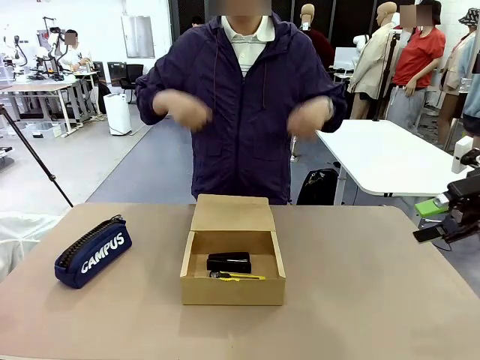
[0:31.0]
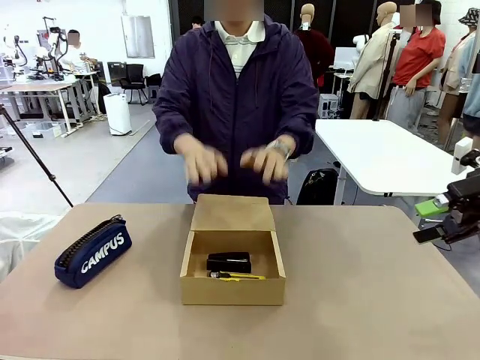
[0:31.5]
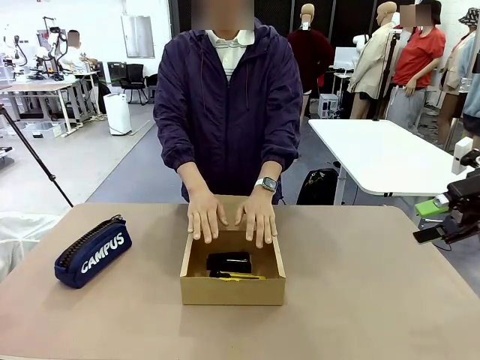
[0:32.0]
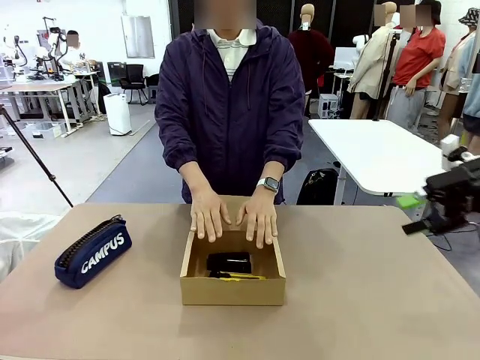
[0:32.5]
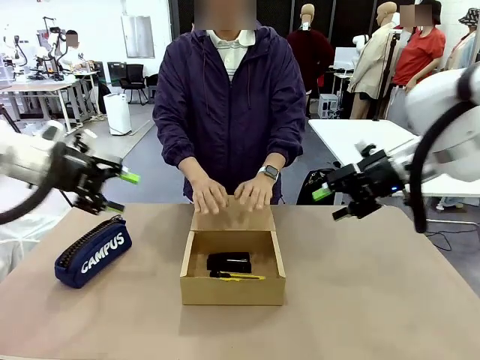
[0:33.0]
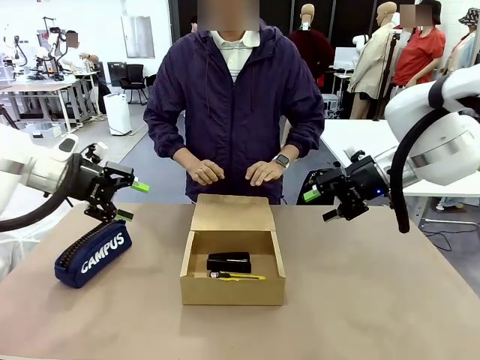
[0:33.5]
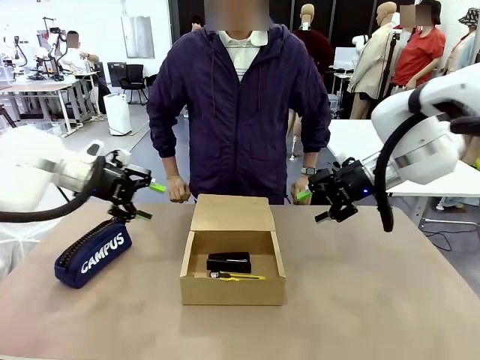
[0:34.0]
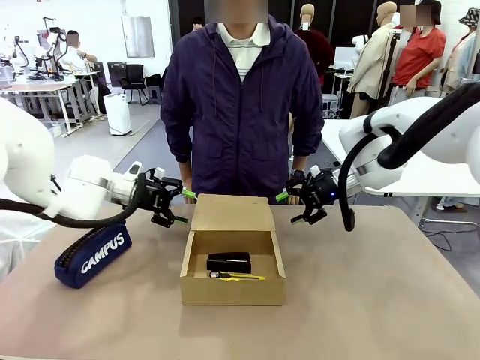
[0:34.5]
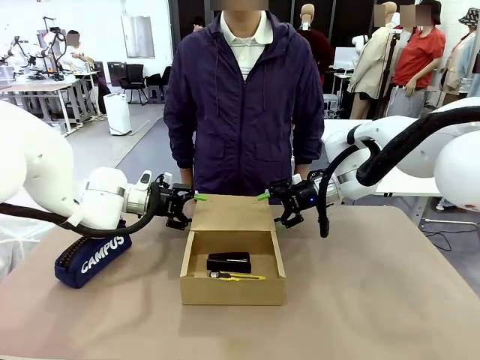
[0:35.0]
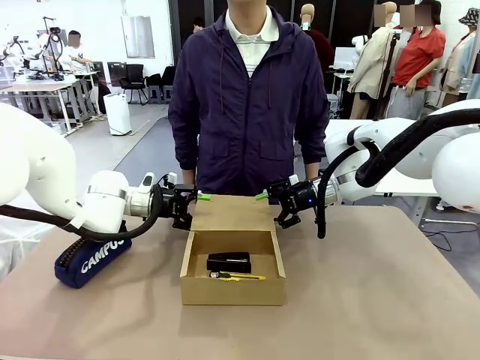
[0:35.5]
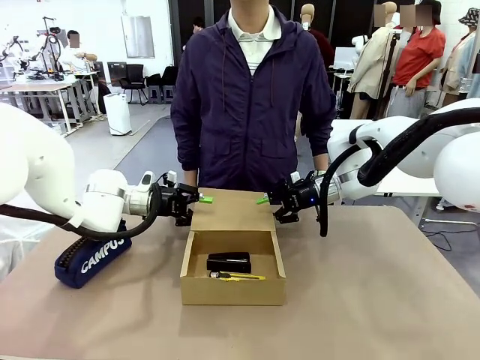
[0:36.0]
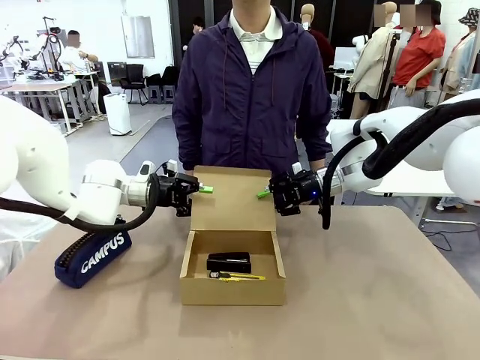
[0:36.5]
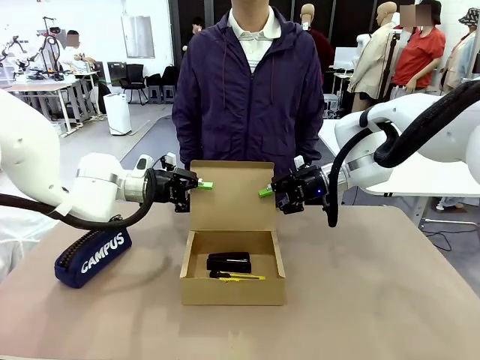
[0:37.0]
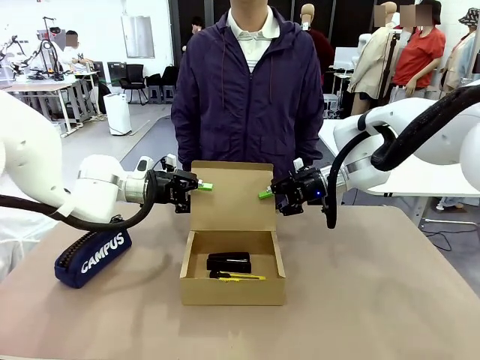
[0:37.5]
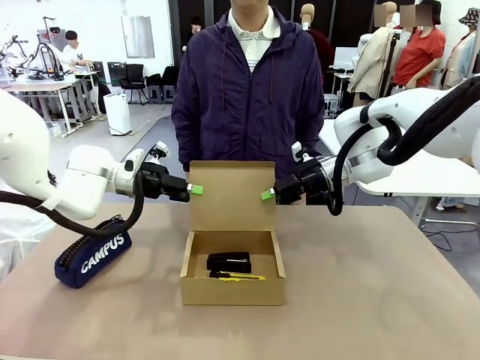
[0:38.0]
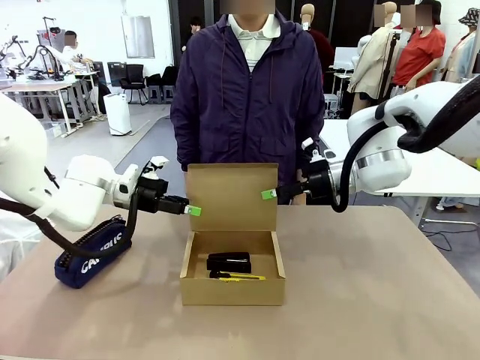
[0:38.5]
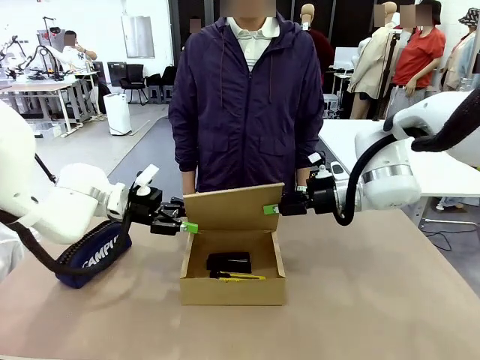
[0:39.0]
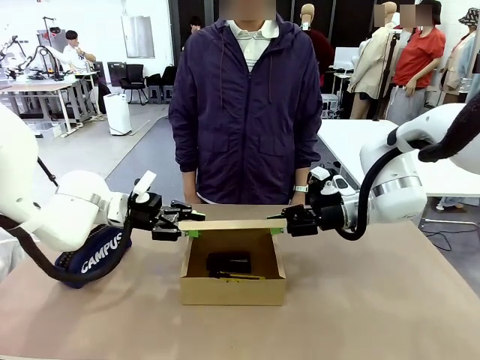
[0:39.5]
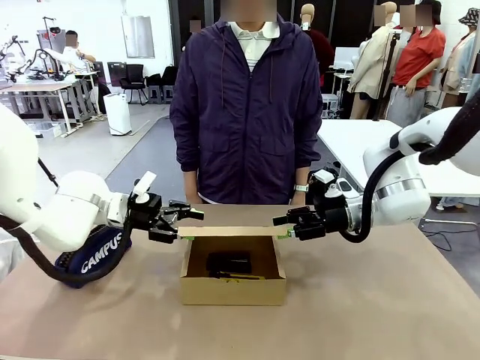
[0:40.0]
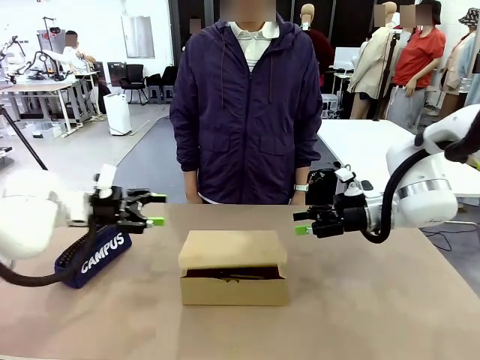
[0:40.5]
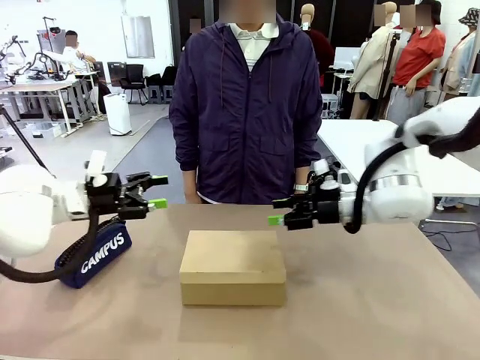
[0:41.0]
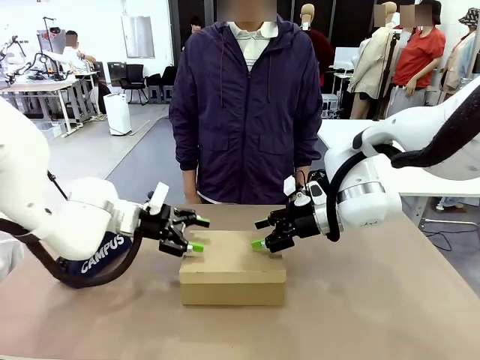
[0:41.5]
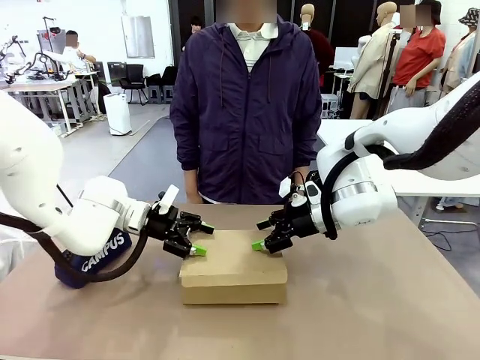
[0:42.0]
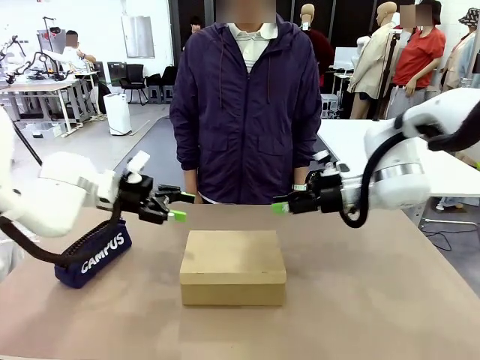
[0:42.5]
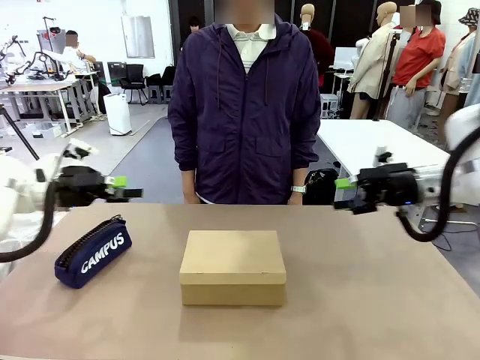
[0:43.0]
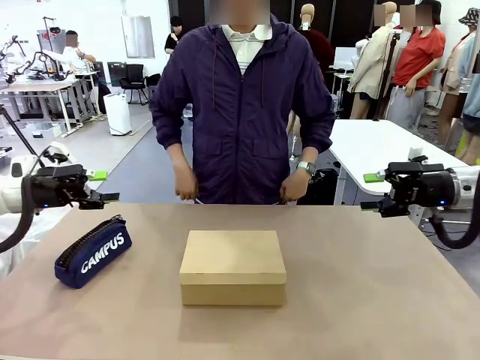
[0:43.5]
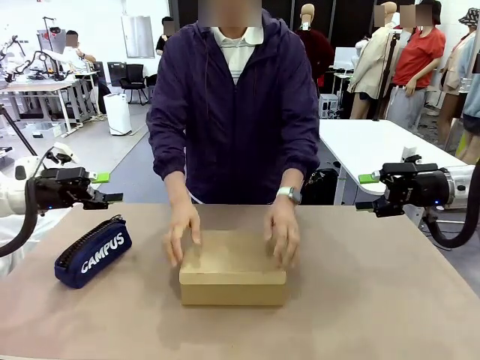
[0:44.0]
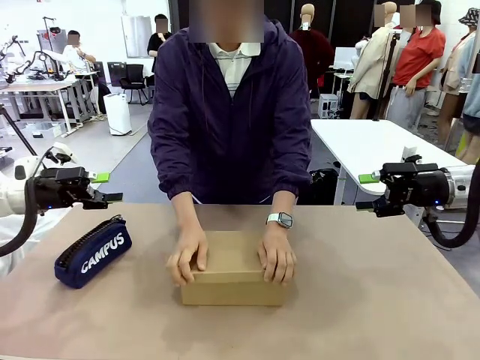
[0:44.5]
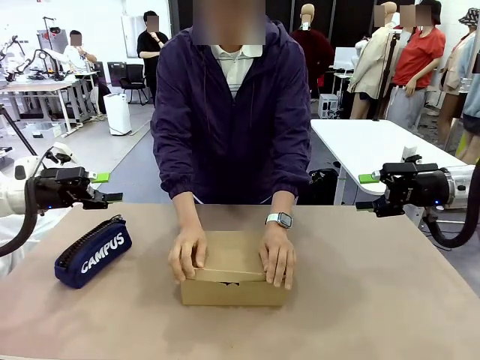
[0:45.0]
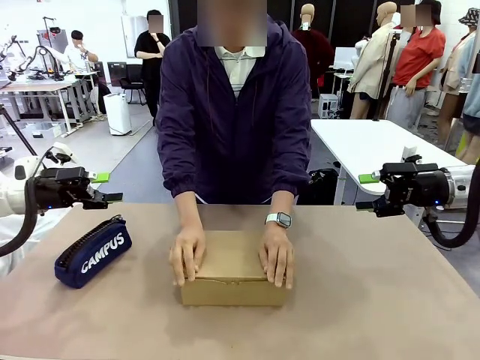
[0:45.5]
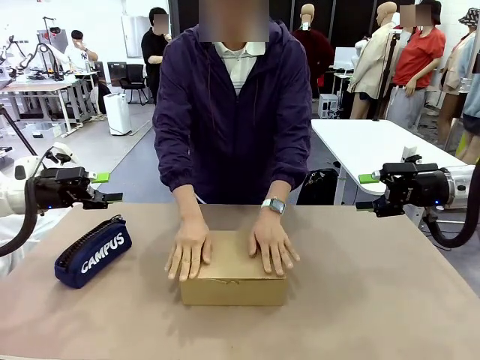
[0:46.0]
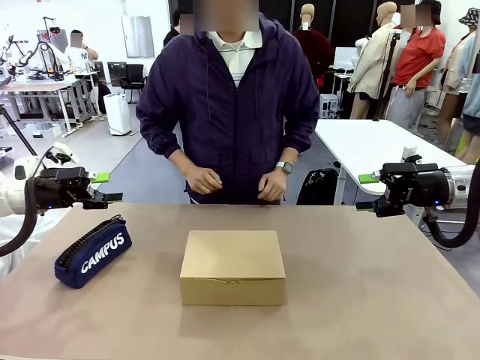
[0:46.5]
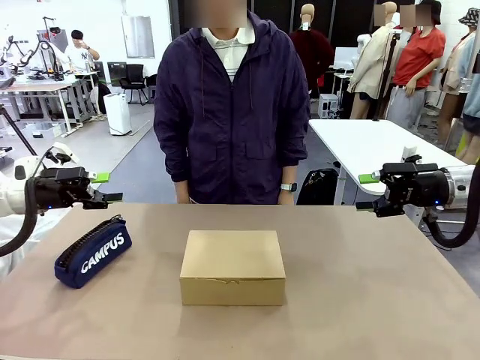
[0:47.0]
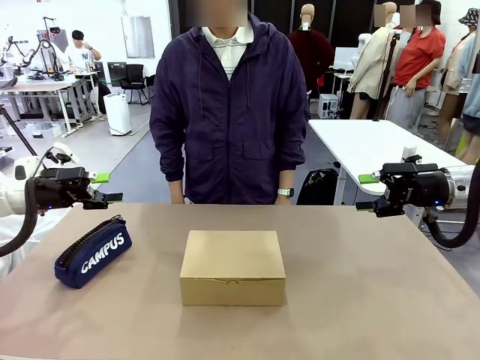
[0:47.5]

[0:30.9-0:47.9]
Task: Pack the items into the box.
Robot: Close the Mailer Box.
Person: Turn the box and lock it.

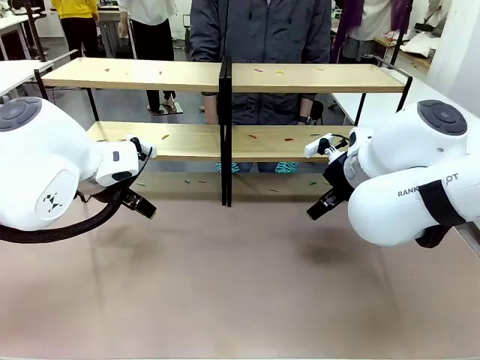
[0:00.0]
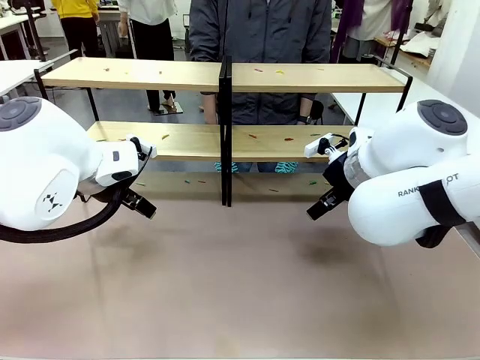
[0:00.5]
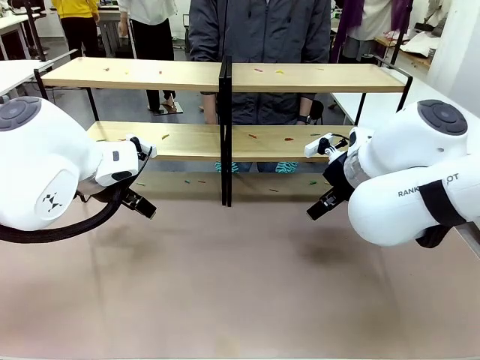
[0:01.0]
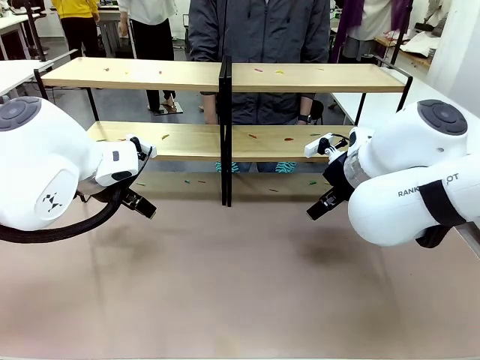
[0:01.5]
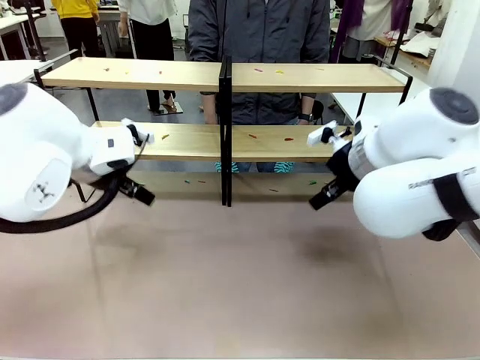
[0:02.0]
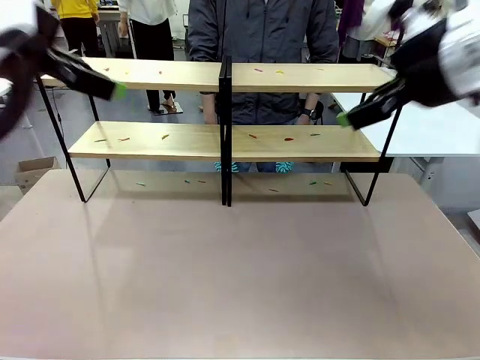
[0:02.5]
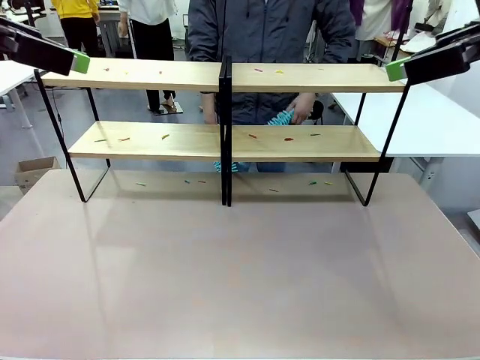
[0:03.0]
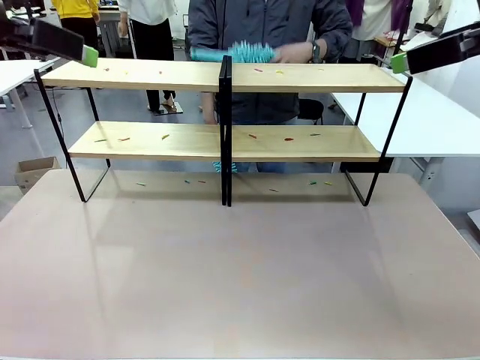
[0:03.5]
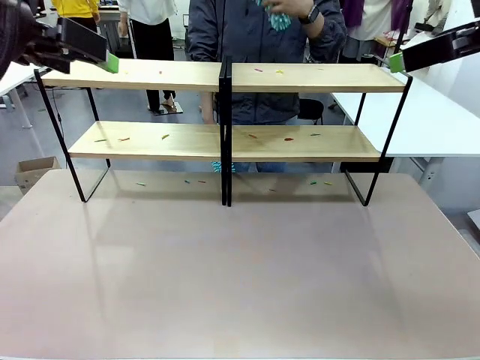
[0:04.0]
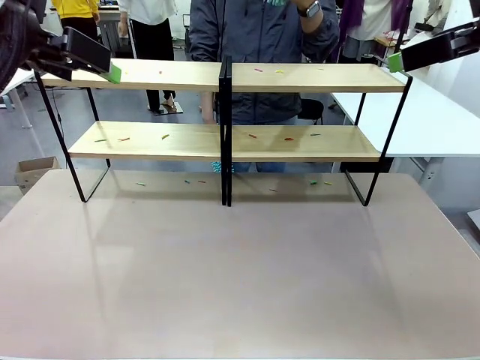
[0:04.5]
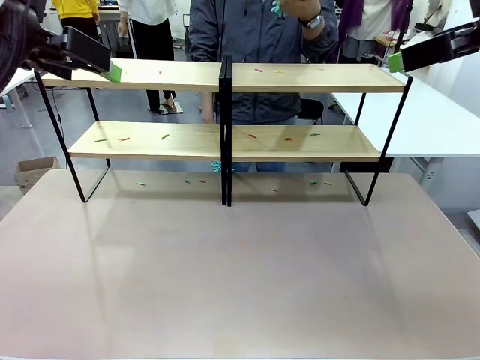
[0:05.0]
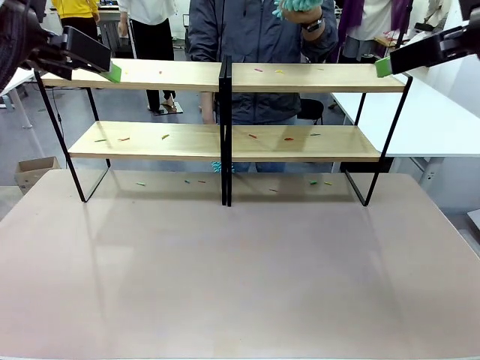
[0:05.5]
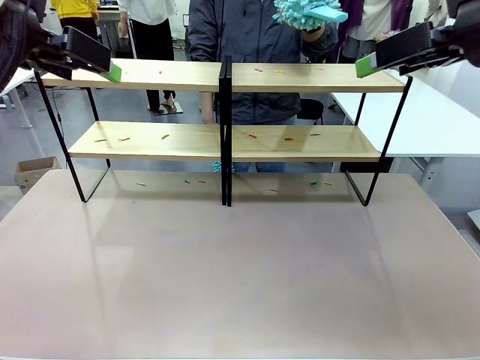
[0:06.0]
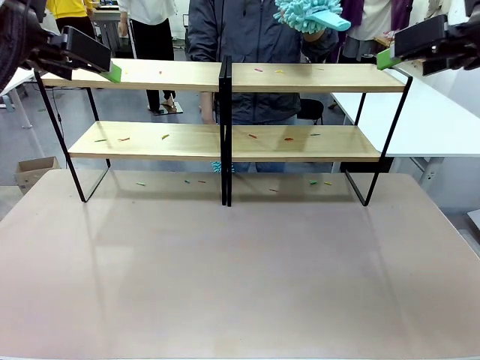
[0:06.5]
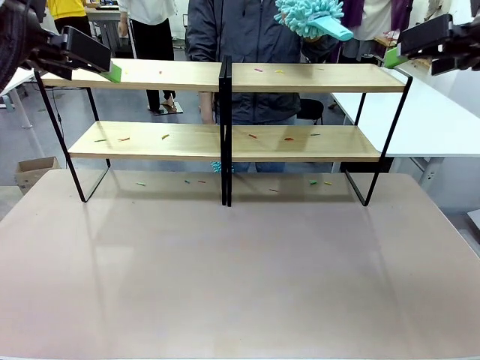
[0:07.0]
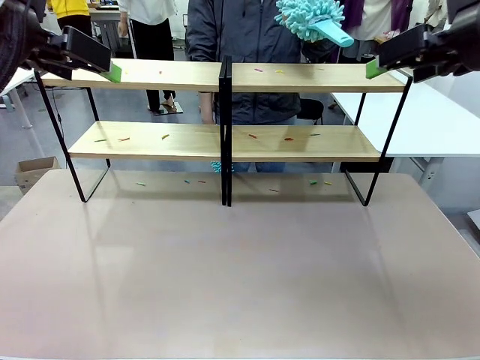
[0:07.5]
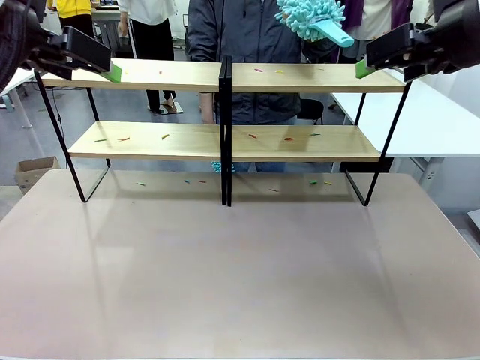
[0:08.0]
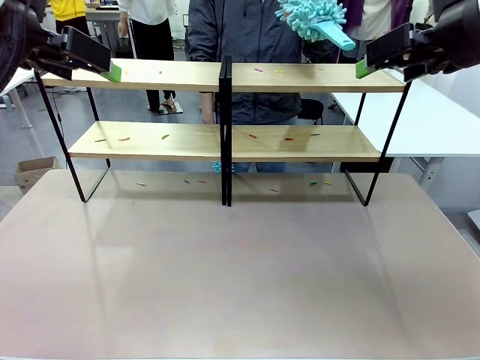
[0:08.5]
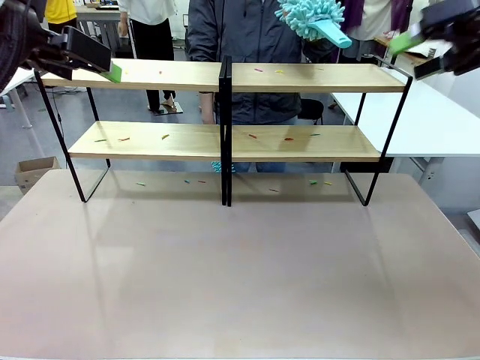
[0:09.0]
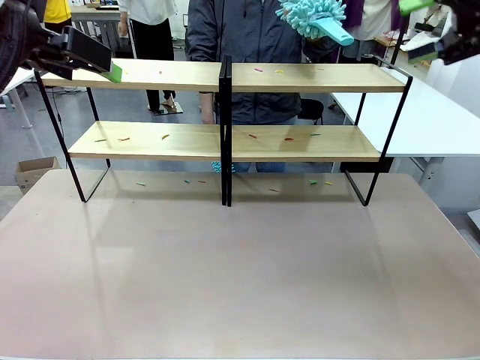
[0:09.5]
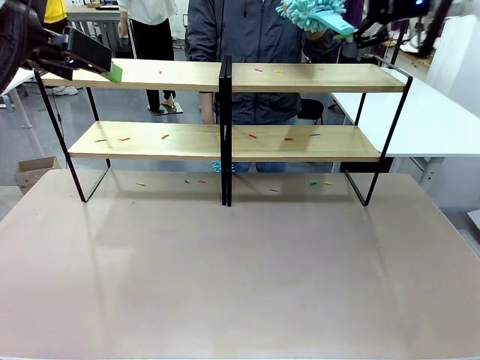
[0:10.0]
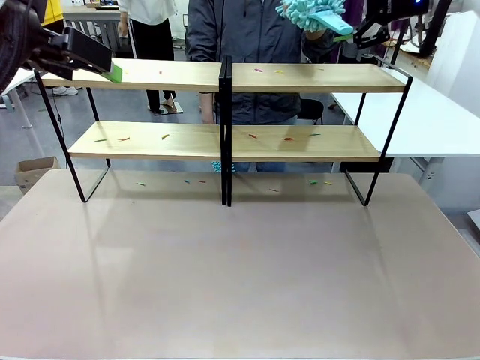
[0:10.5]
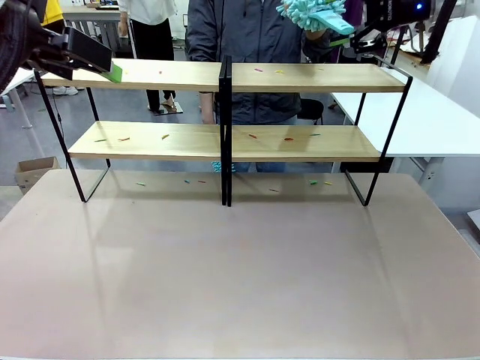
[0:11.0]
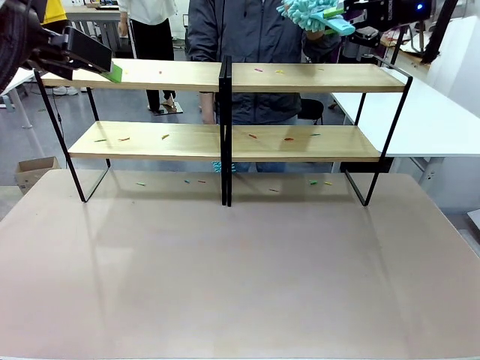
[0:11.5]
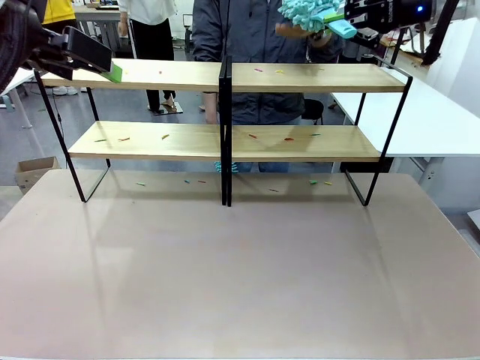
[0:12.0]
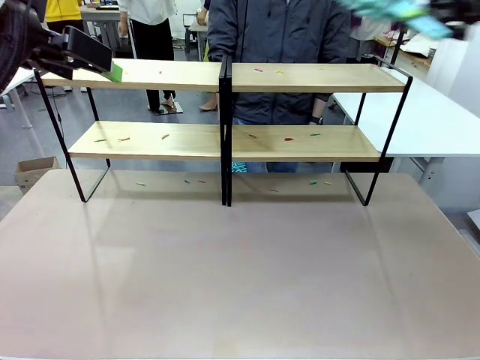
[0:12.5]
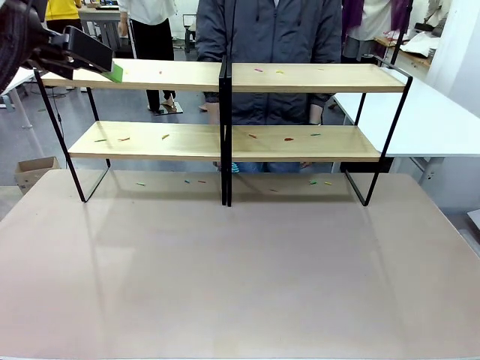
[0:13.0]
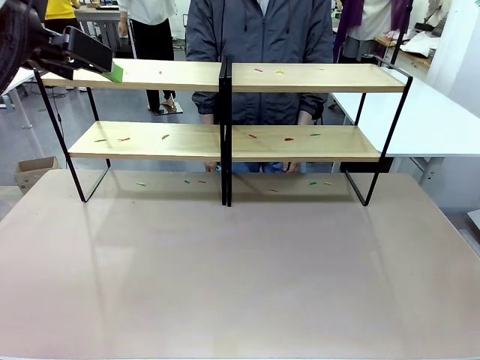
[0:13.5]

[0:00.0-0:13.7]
Task: Clean the shelves.
Robot: Pick up the Duster when the human hands it over.
Person: Hand the Duster to the robot with your right (or left) hand.
